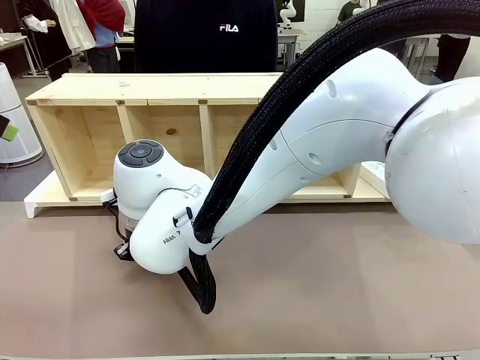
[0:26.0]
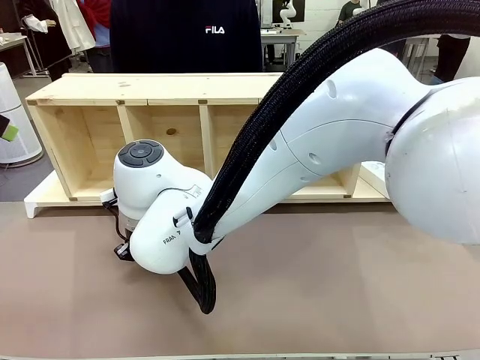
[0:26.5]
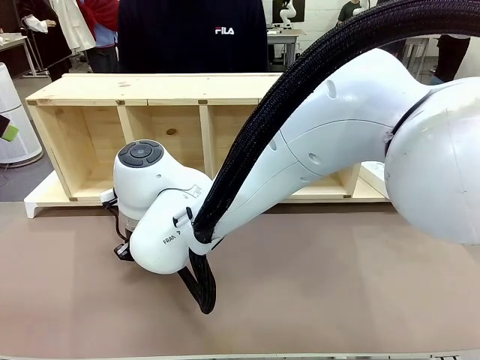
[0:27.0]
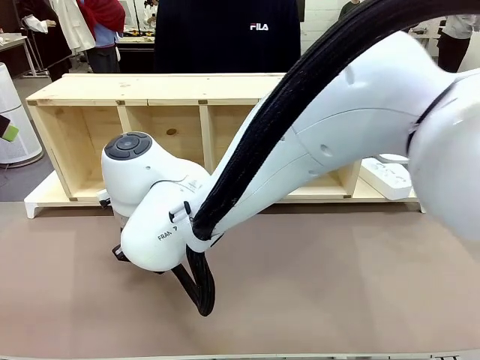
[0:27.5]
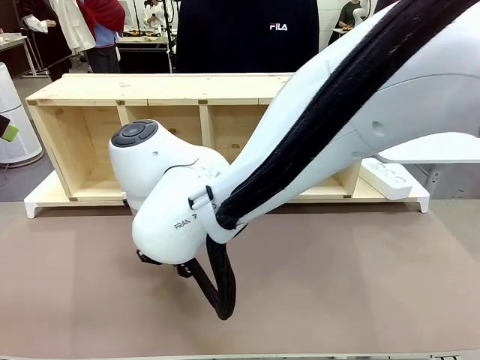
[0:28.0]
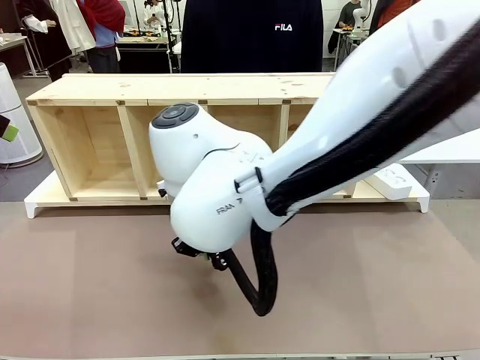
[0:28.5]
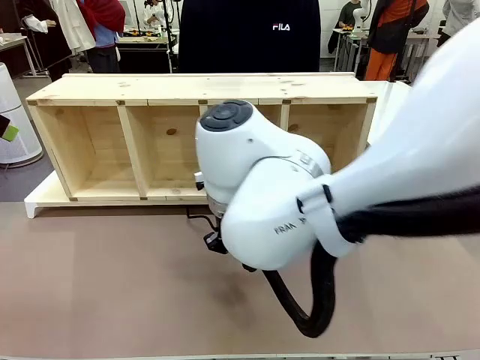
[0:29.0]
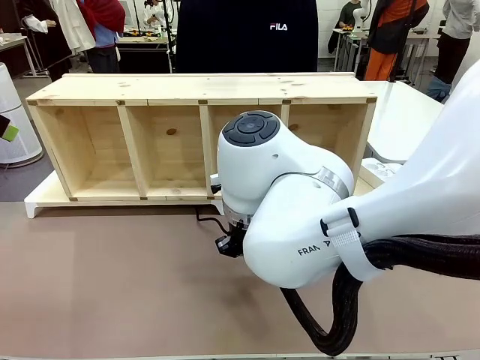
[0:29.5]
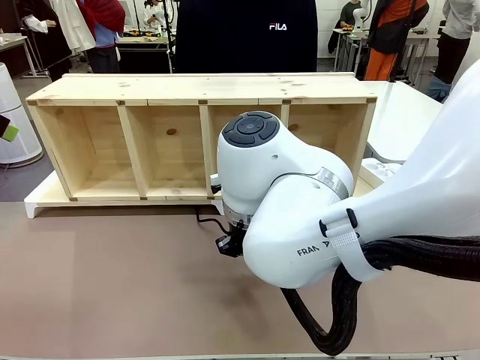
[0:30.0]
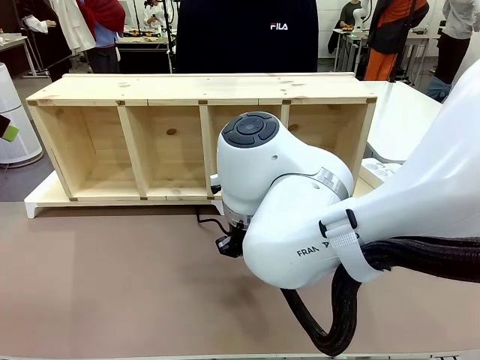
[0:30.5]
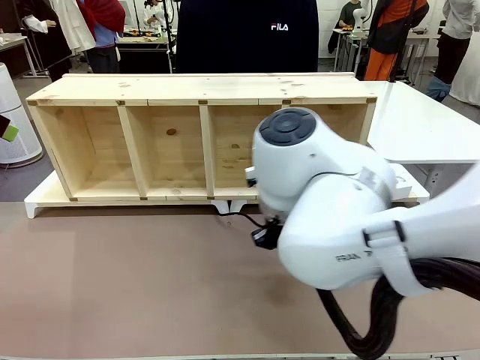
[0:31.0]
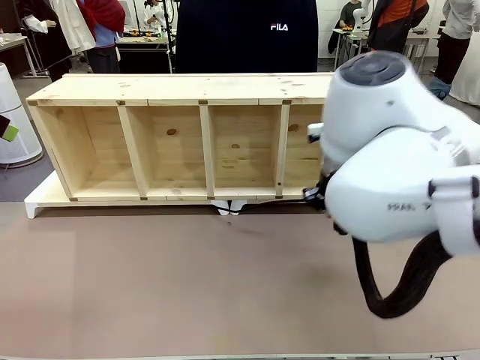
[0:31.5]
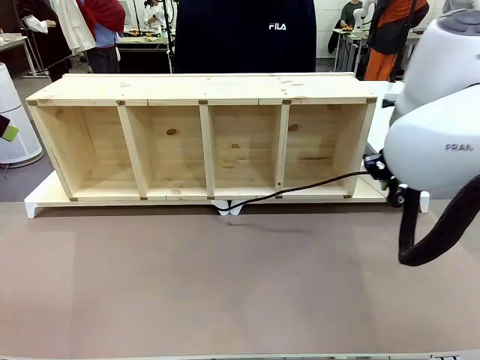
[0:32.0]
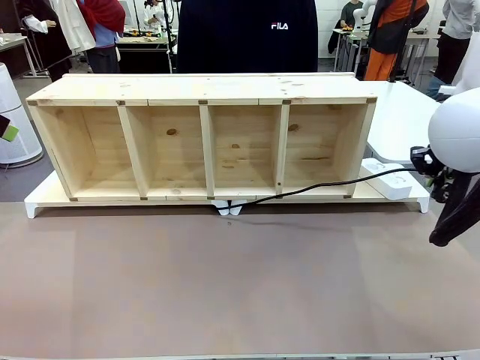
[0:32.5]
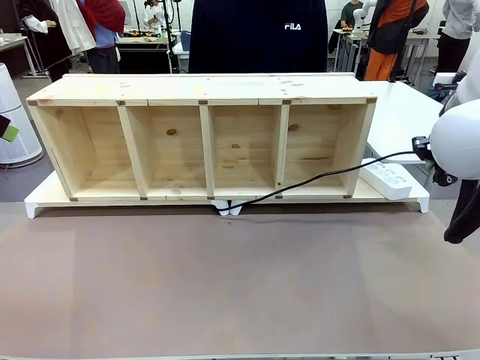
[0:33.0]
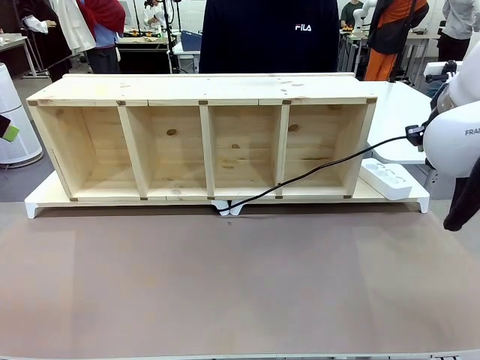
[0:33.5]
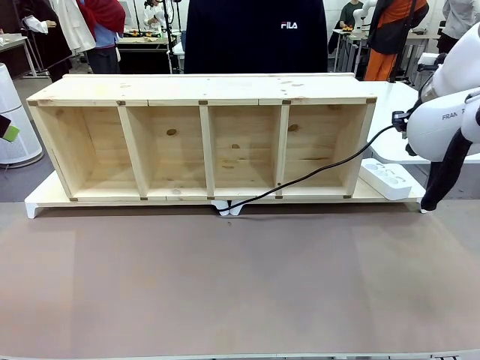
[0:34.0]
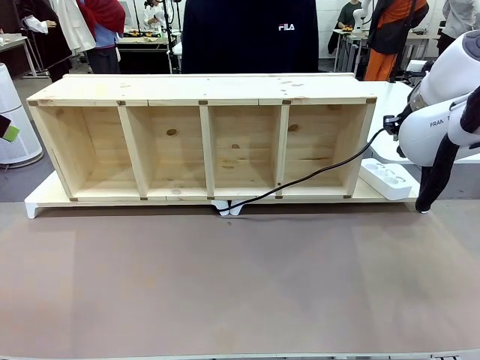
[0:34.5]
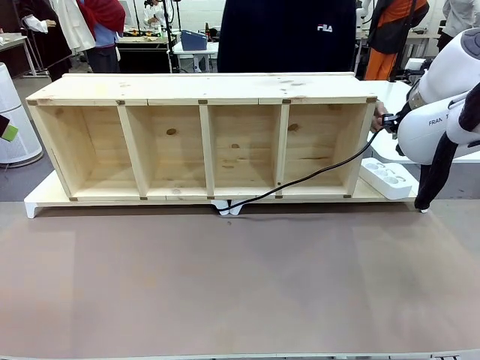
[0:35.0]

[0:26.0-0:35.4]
Task: Perform cable management.
Robot: Pull the grasped Power Cable to the location of the Power Strip.

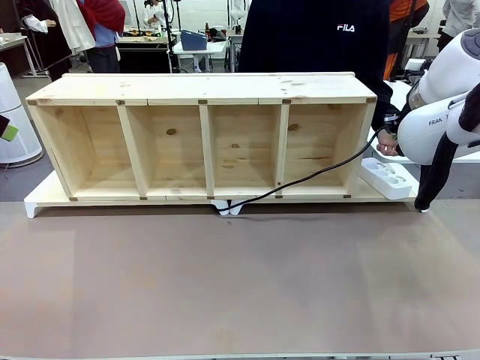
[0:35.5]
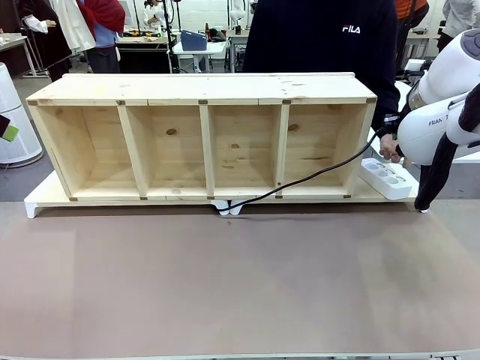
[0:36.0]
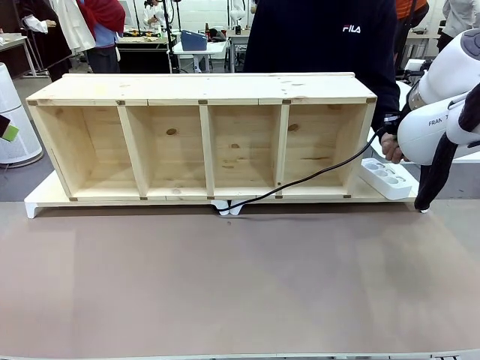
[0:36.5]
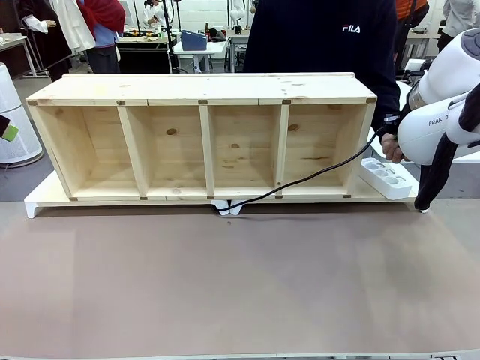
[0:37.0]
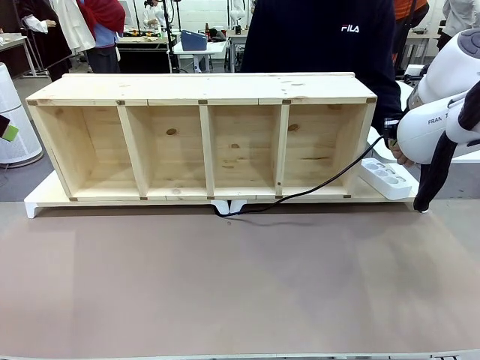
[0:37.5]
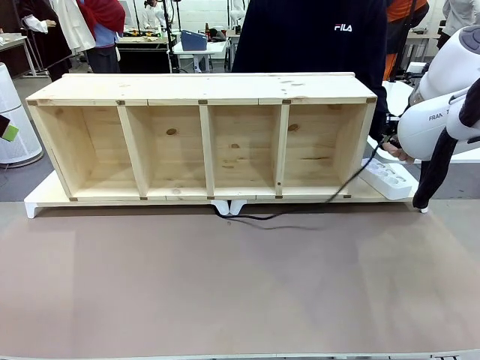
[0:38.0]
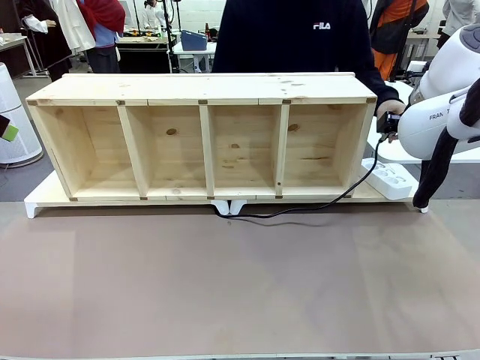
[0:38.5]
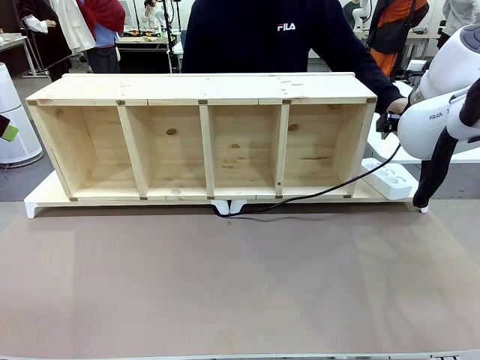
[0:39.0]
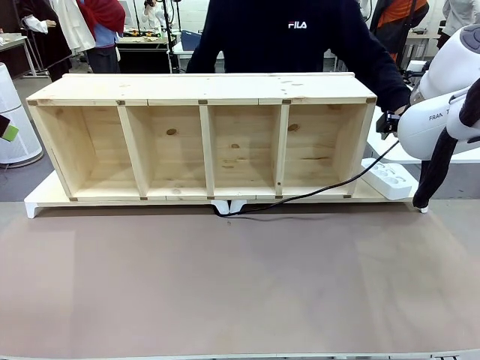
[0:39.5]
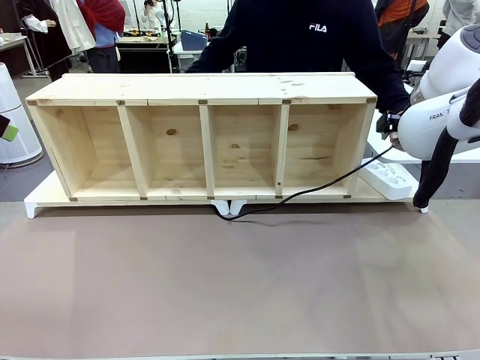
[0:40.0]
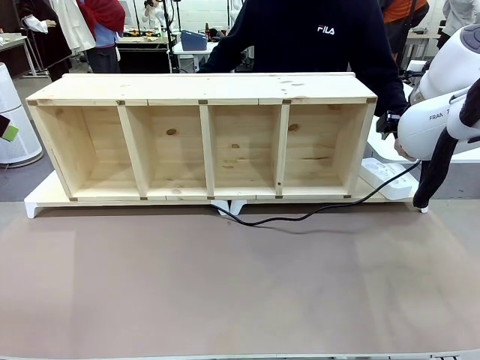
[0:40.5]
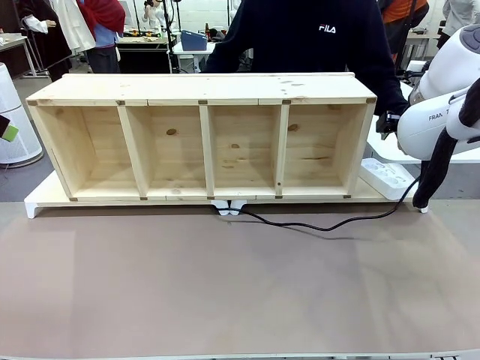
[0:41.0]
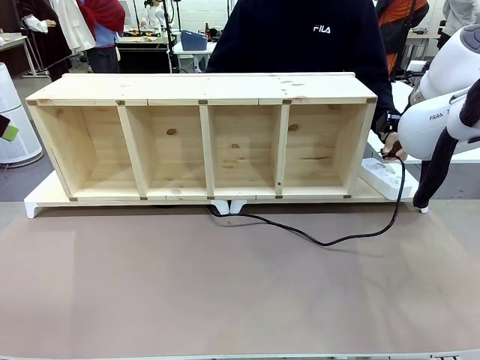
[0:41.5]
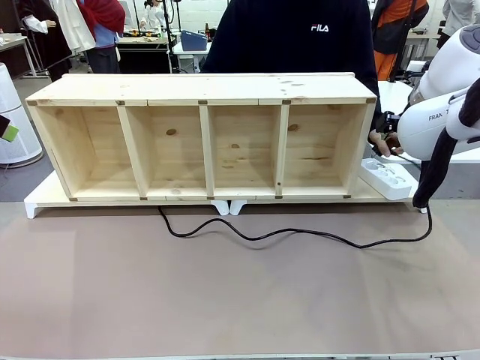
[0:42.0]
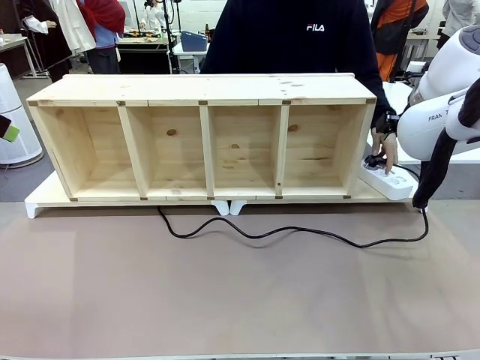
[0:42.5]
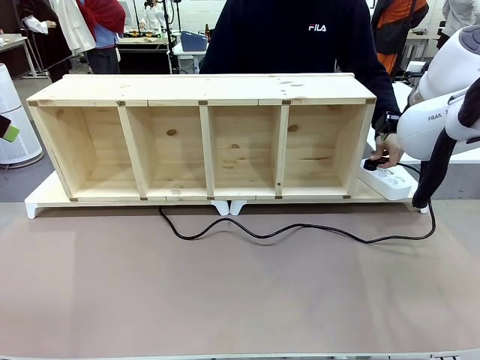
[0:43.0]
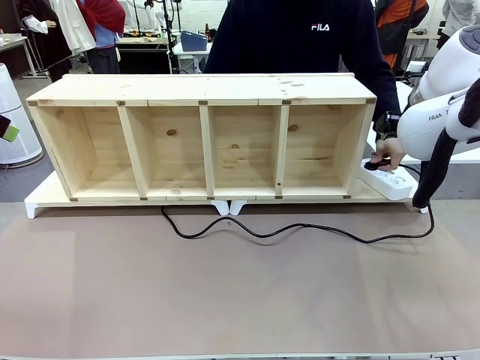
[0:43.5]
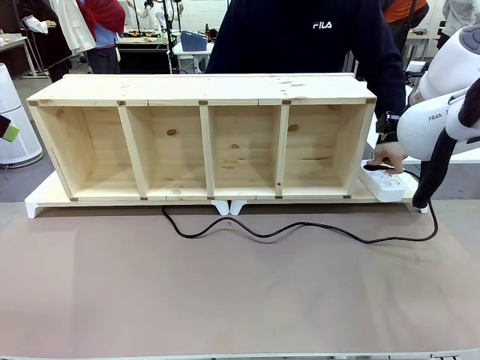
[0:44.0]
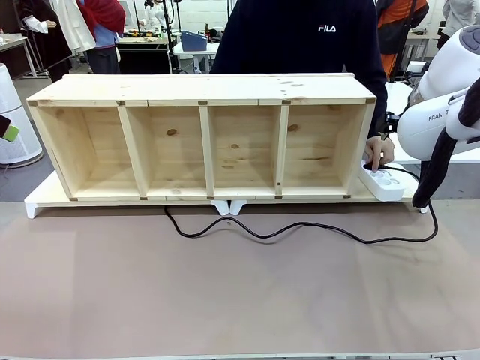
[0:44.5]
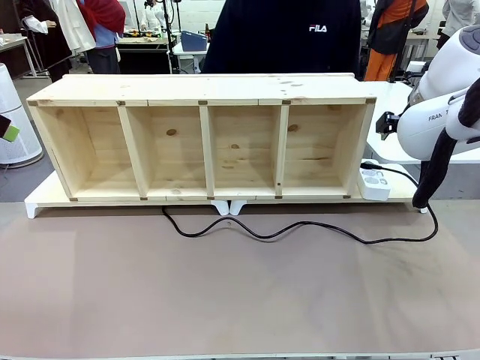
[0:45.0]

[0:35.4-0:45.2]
Robot: Release the Power Cable when the human grasps it.
Person: Plug the Power Cable into the Power Strip.
